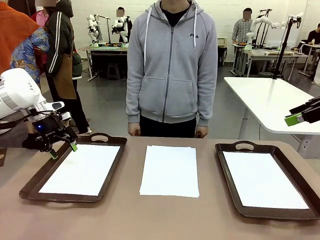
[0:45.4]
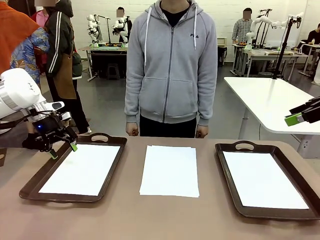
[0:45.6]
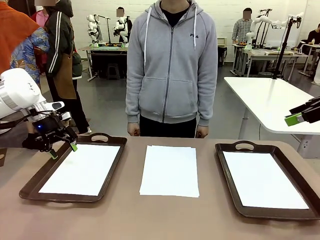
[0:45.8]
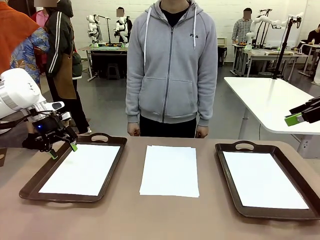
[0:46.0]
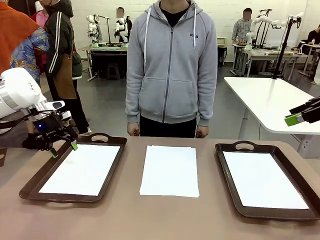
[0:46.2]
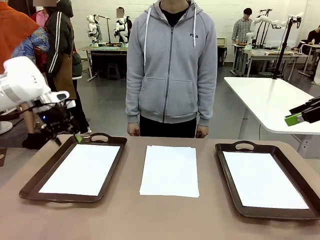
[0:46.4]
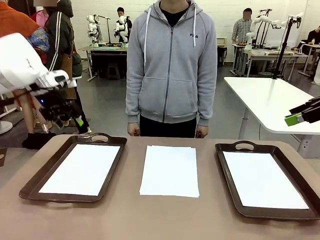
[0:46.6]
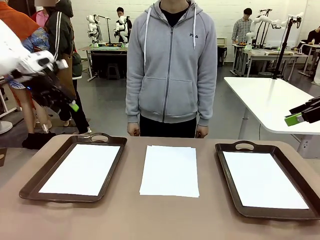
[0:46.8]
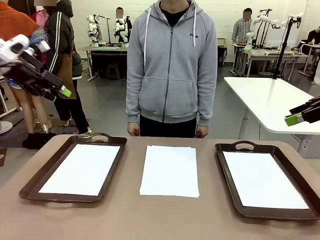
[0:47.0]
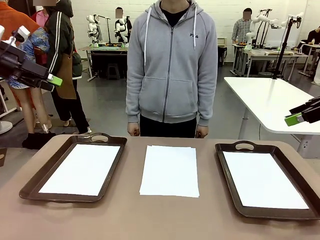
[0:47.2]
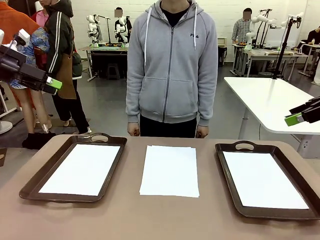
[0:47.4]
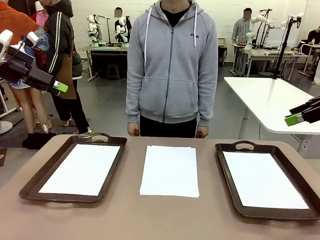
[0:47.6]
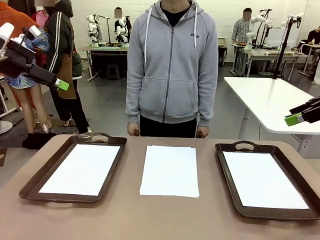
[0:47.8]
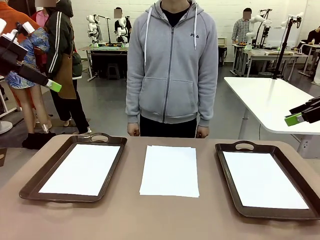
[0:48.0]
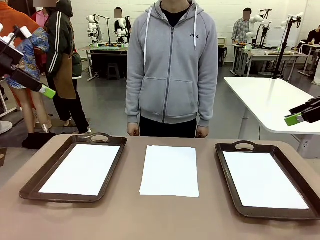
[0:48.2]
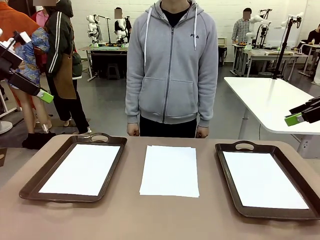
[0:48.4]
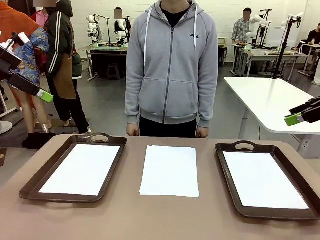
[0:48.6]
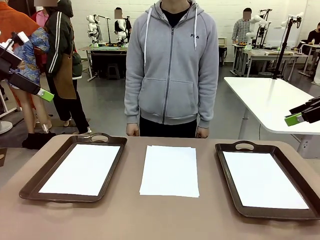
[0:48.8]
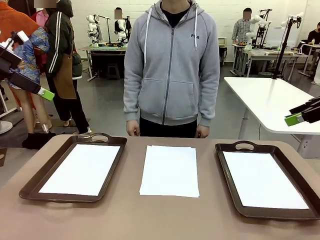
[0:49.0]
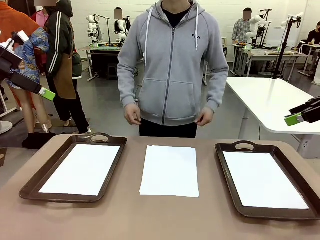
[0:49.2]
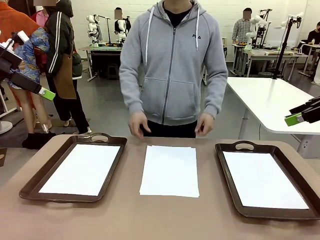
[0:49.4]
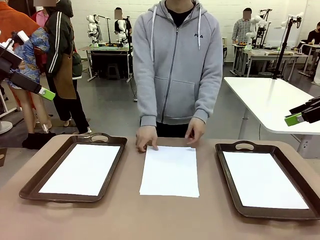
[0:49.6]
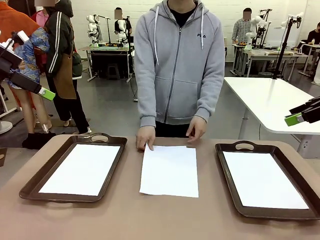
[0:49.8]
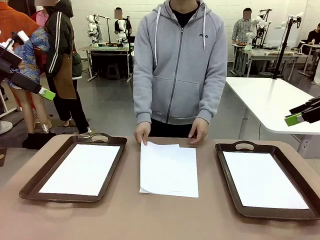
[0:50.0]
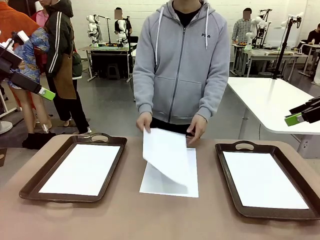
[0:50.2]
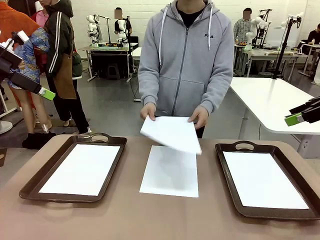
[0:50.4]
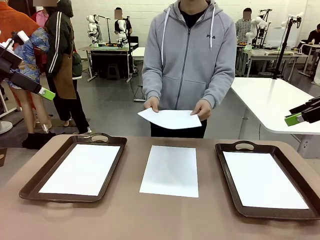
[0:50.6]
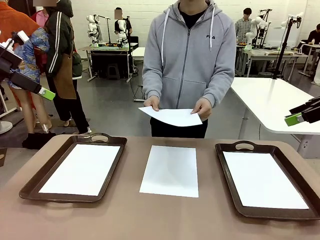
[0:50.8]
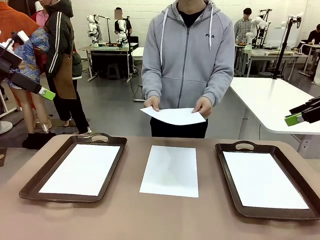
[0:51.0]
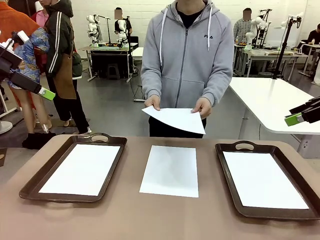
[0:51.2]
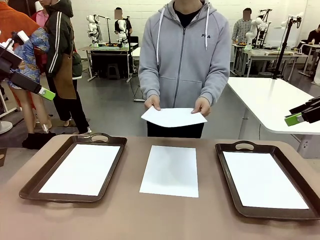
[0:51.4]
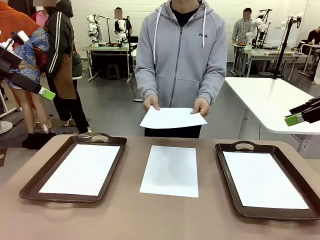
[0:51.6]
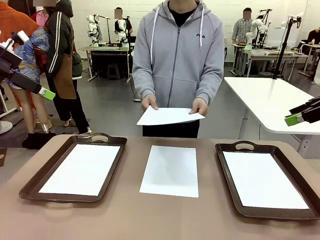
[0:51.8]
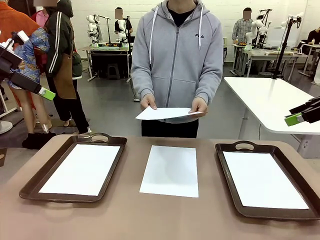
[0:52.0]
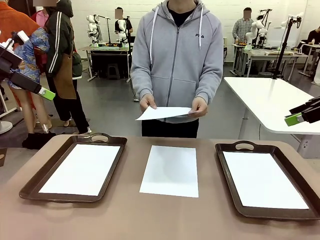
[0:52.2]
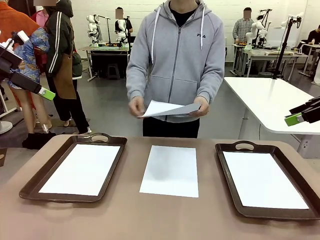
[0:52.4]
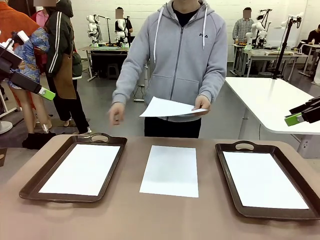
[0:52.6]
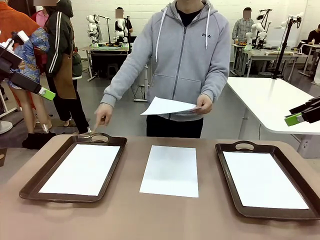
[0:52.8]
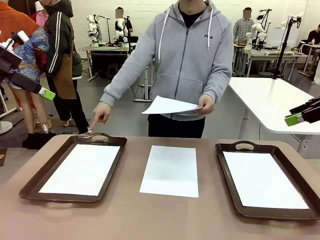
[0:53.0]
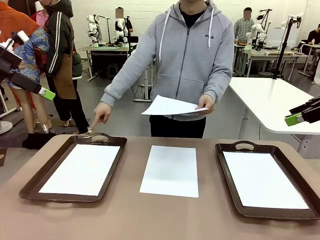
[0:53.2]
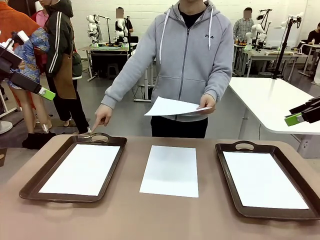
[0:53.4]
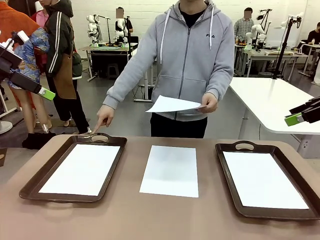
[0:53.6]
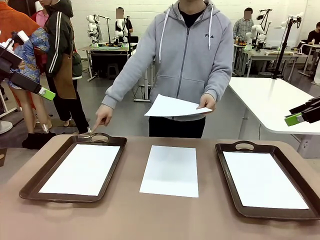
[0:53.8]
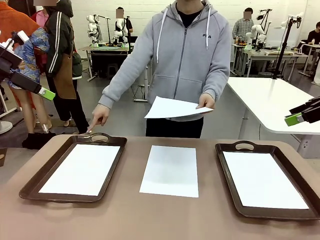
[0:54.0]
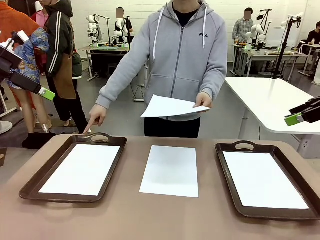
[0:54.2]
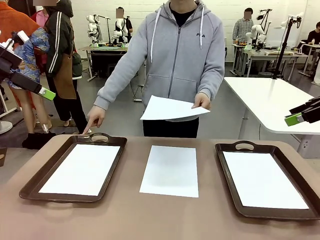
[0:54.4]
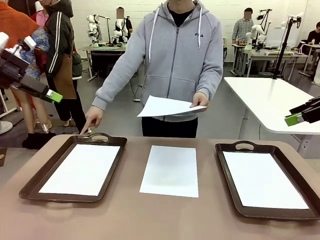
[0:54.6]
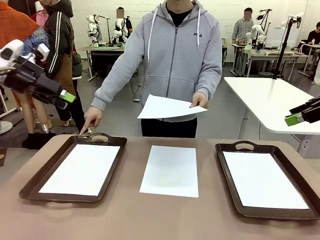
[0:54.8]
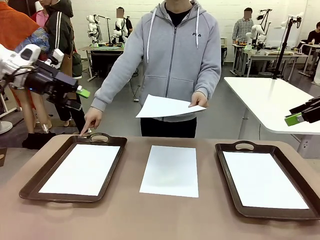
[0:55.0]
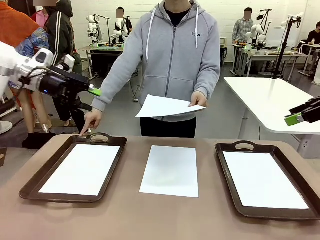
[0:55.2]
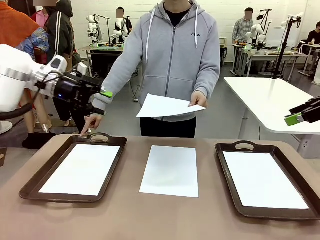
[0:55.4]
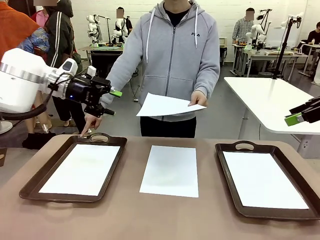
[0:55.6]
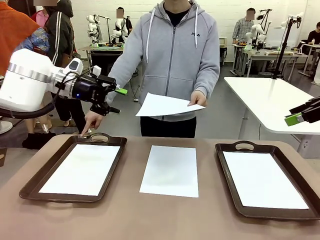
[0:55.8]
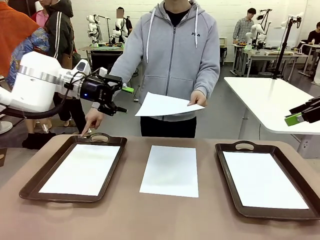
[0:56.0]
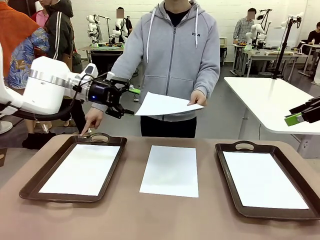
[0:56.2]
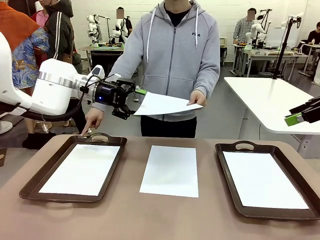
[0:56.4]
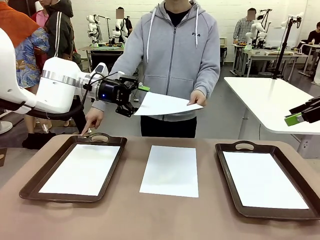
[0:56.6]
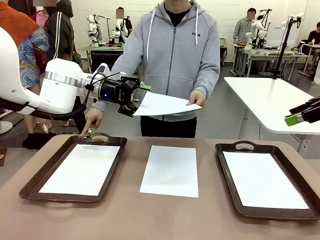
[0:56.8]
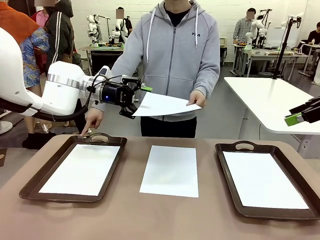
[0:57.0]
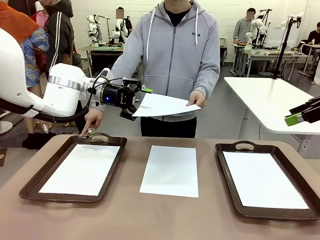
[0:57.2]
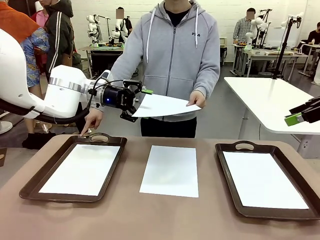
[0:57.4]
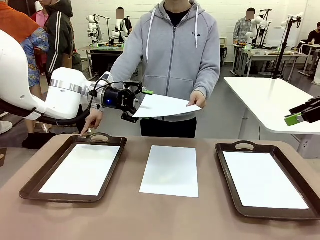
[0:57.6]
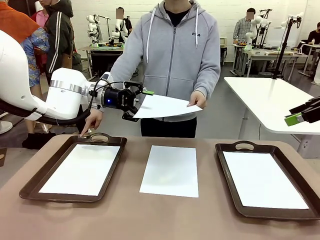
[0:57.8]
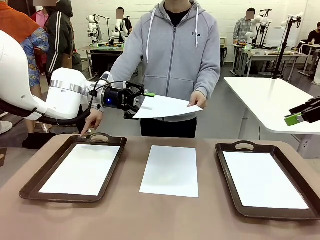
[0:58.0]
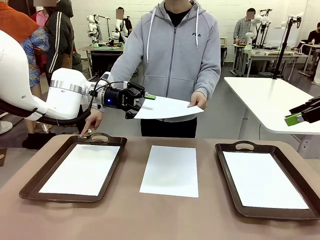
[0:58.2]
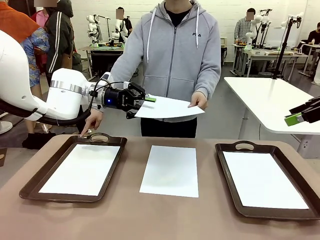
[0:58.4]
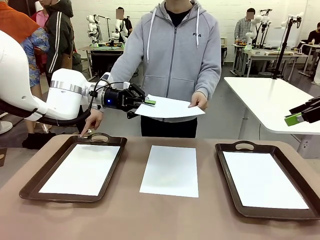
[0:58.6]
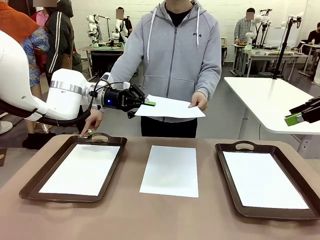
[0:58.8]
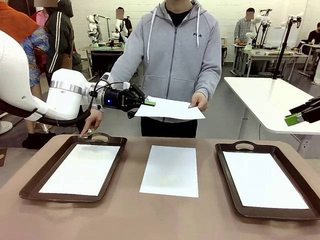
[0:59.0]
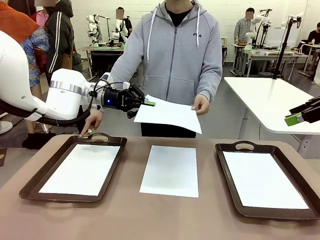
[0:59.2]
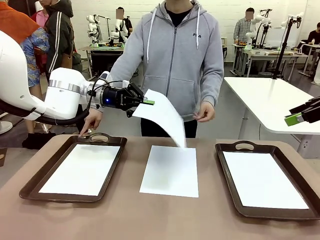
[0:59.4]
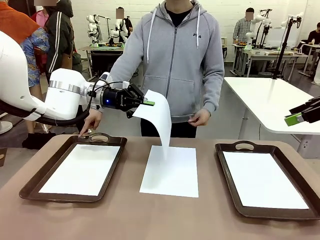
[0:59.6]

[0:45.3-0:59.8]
Task: Sort the A4 documents.
Robot: Receive the A4 Paper.
Person: Point the randomly selected tray with the other hand.

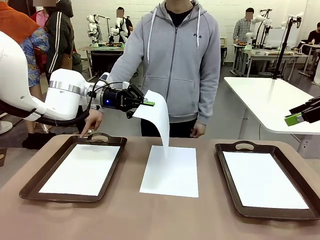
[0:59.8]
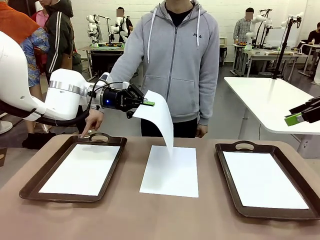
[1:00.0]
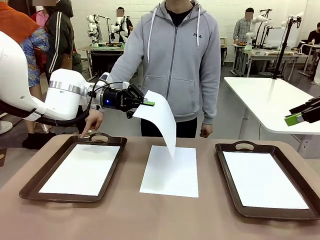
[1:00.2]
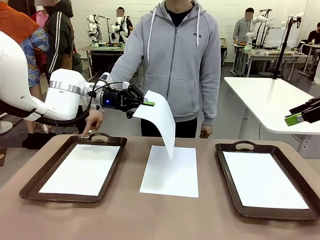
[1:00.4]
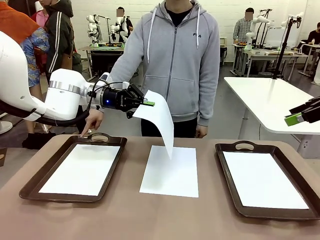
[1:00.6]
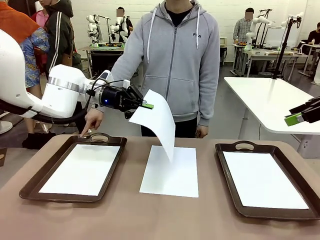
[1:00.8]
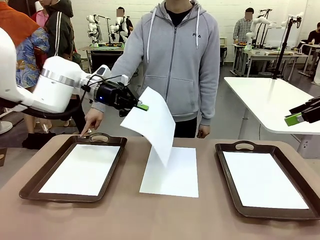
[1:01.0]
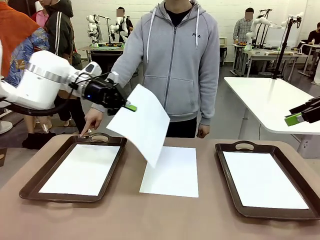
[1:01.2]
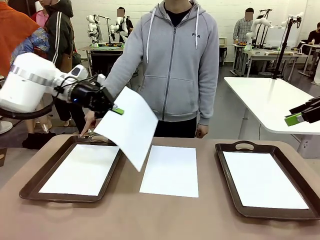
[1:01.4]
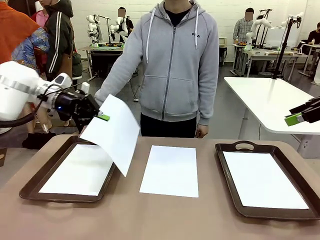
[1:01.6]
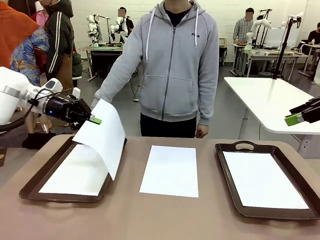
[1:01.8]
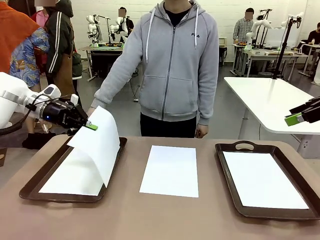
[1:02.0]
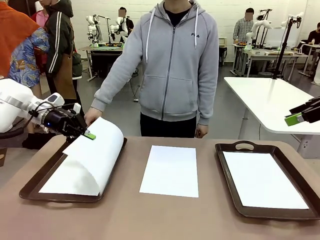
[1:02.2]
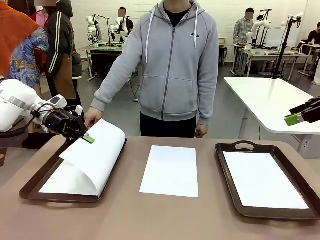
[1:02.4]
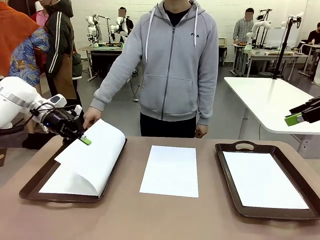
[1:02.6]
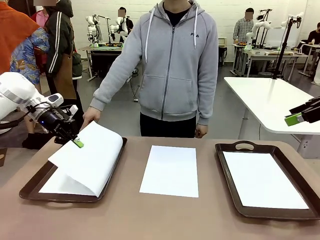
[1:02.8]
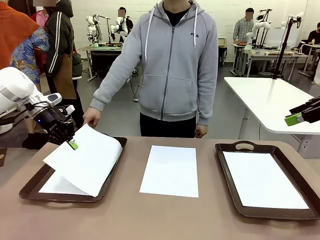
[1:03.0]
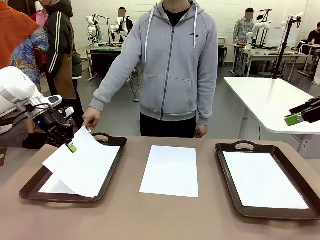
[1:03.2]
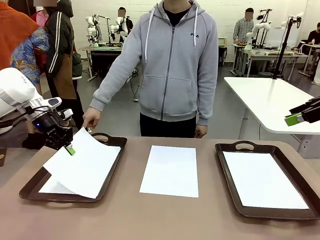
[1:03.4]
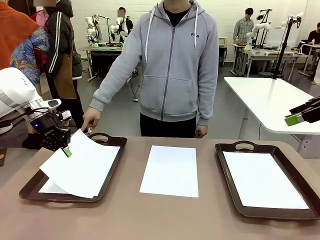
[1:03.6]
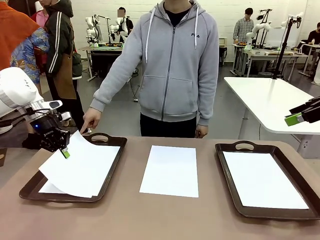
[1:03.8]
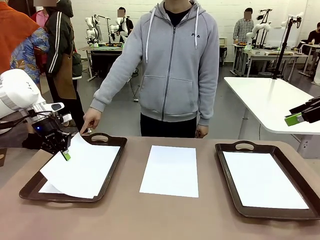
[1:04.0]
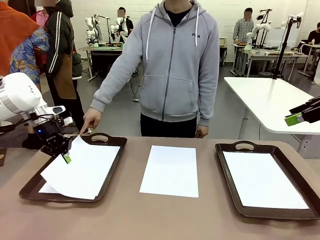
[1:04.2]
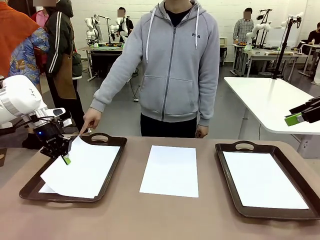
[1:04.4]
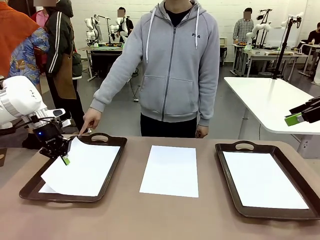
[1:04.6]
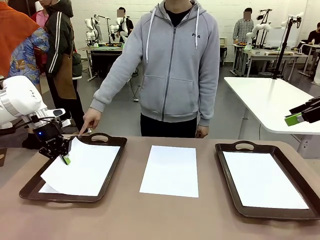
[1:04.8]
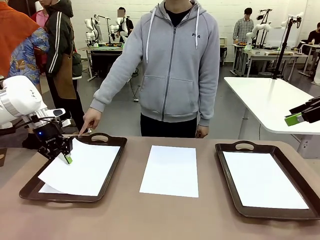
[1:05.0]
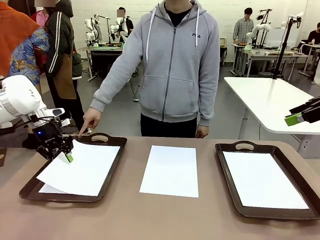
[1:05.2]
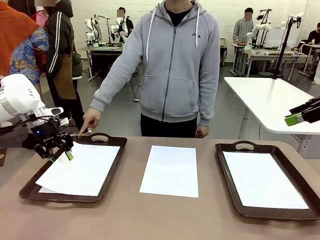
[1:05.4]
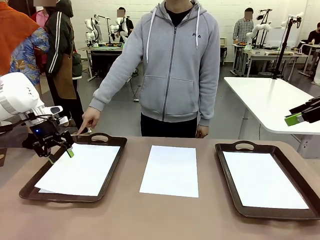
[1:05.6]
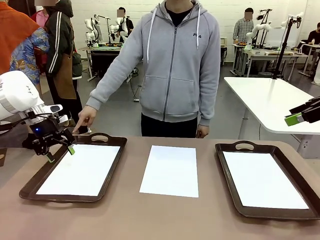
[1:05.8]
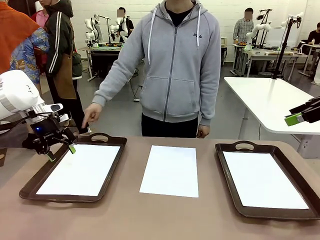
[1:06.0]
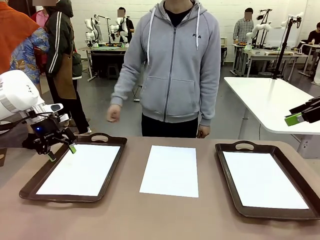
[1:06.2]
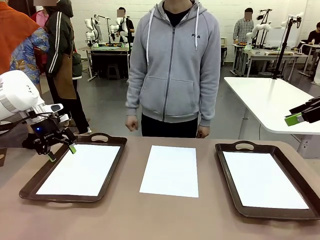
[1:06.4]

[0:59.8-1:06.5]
Robot: Place the A4 Paper in the designated Handle tray.
